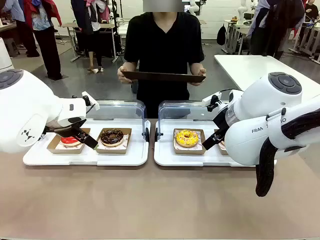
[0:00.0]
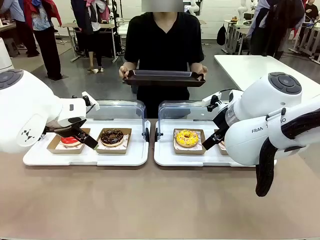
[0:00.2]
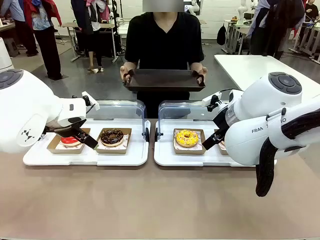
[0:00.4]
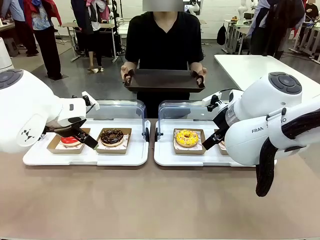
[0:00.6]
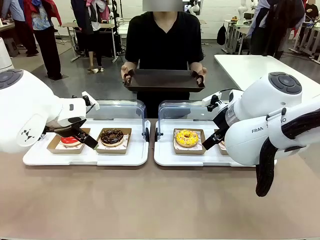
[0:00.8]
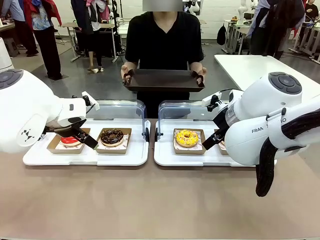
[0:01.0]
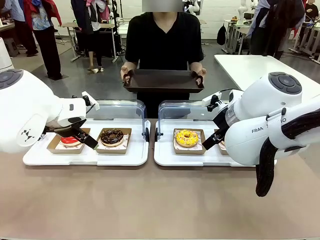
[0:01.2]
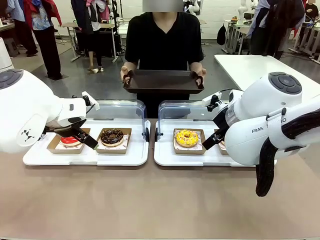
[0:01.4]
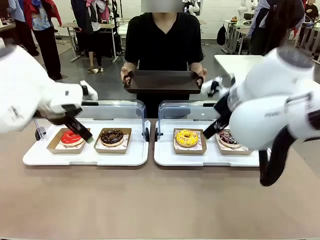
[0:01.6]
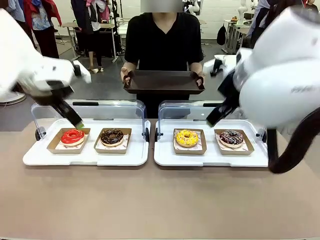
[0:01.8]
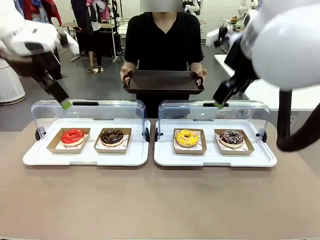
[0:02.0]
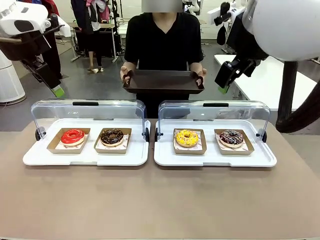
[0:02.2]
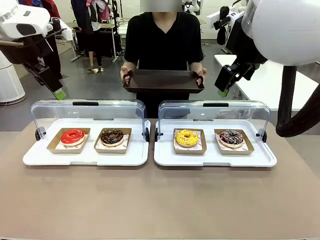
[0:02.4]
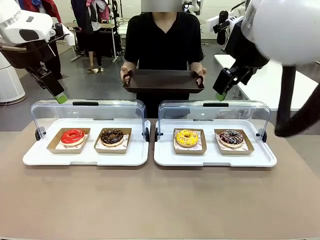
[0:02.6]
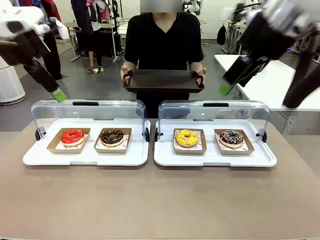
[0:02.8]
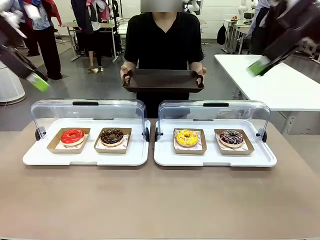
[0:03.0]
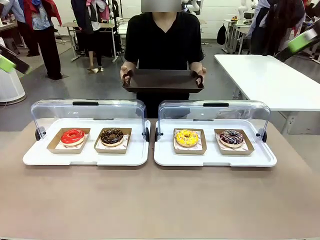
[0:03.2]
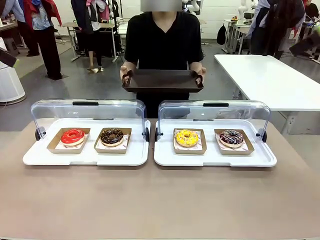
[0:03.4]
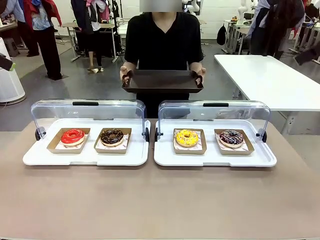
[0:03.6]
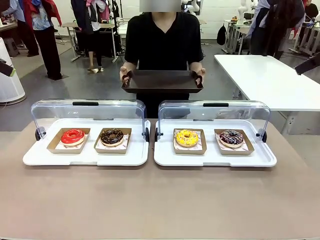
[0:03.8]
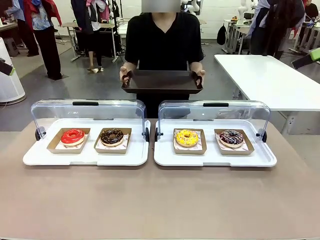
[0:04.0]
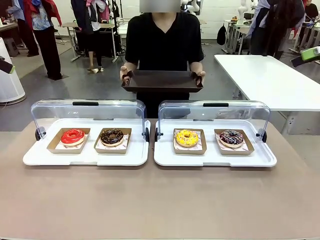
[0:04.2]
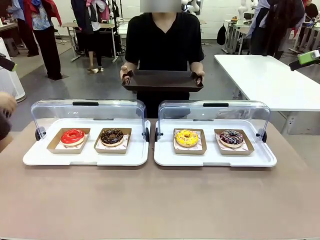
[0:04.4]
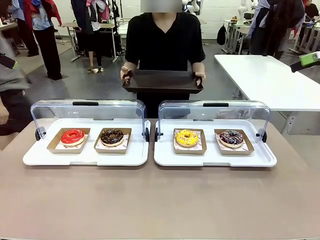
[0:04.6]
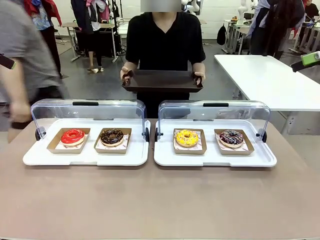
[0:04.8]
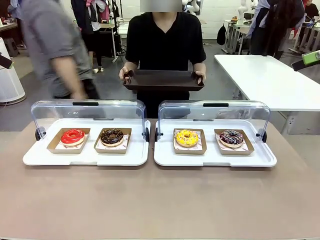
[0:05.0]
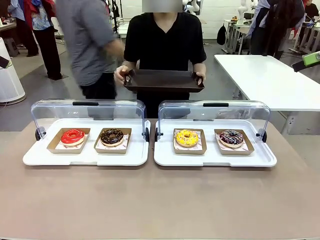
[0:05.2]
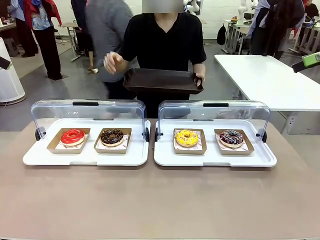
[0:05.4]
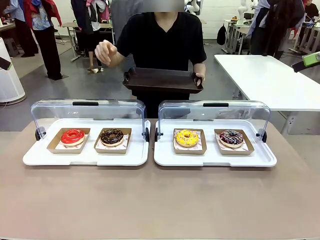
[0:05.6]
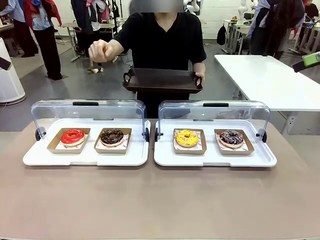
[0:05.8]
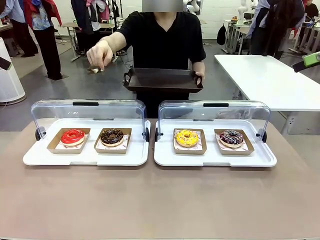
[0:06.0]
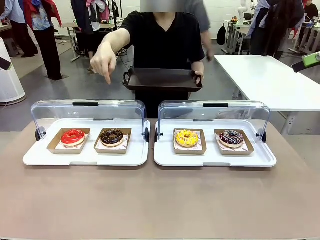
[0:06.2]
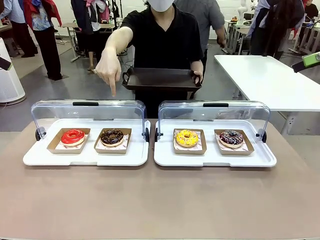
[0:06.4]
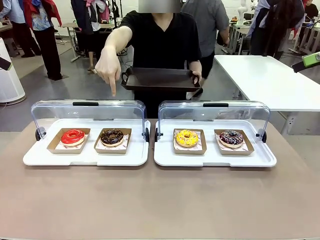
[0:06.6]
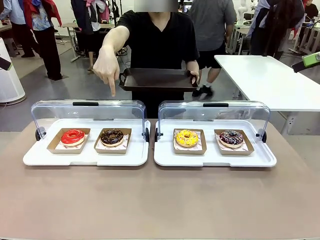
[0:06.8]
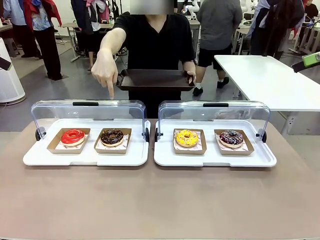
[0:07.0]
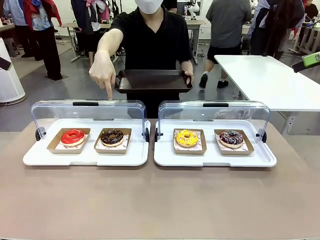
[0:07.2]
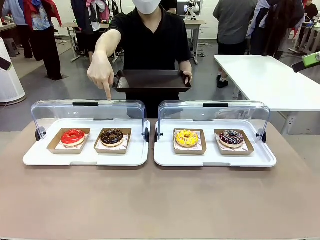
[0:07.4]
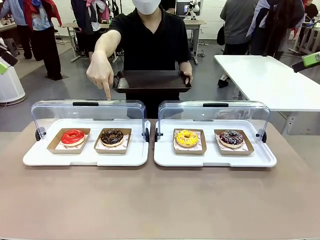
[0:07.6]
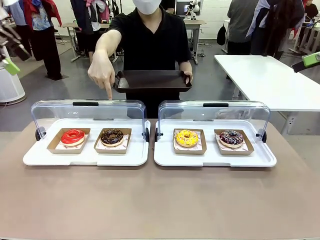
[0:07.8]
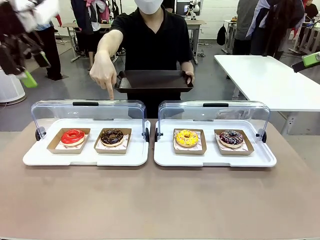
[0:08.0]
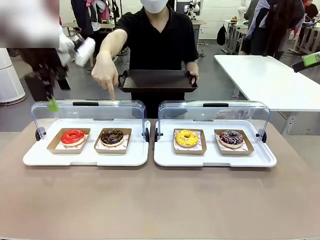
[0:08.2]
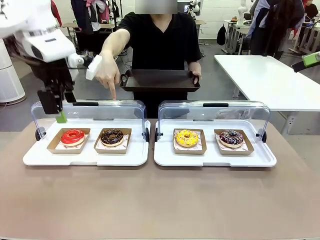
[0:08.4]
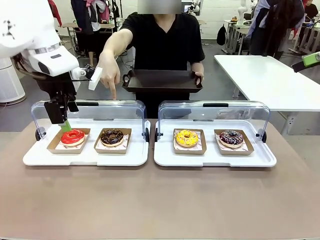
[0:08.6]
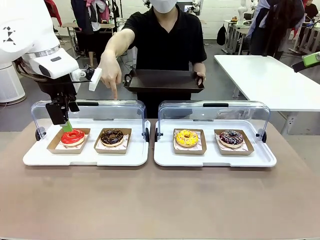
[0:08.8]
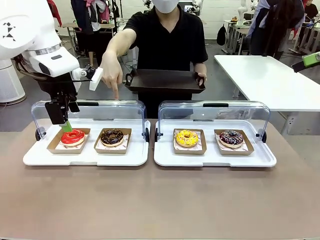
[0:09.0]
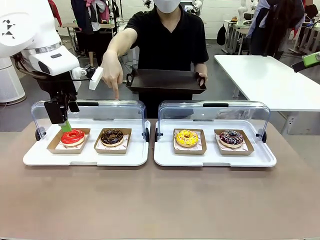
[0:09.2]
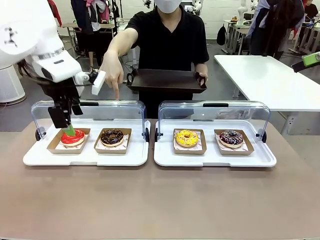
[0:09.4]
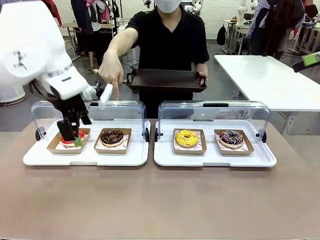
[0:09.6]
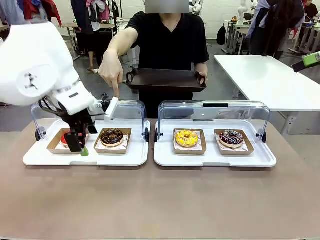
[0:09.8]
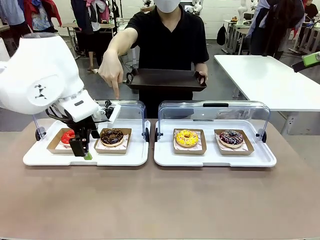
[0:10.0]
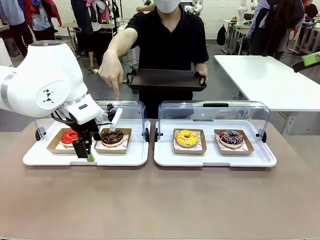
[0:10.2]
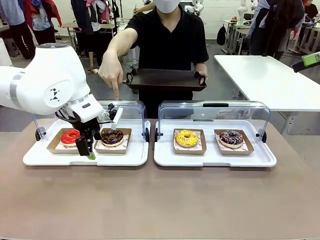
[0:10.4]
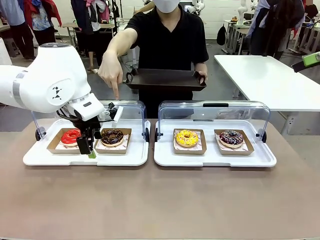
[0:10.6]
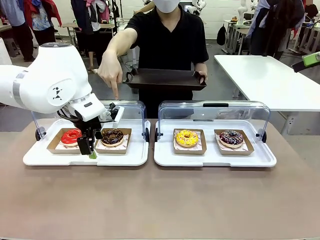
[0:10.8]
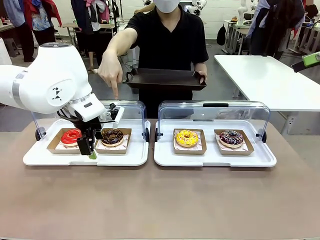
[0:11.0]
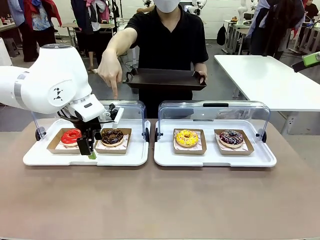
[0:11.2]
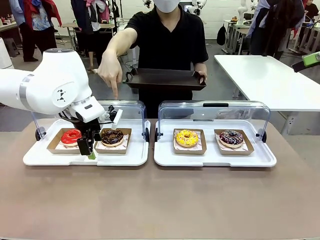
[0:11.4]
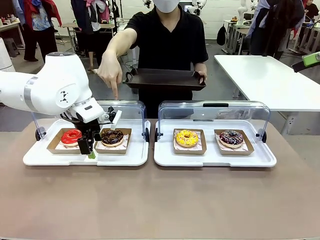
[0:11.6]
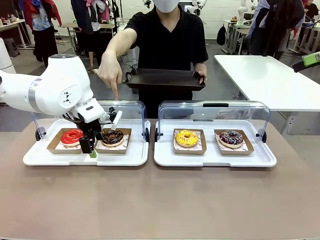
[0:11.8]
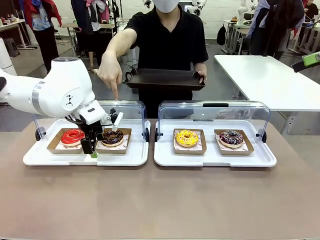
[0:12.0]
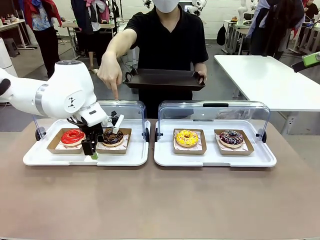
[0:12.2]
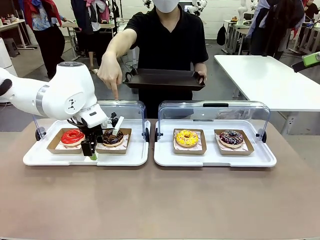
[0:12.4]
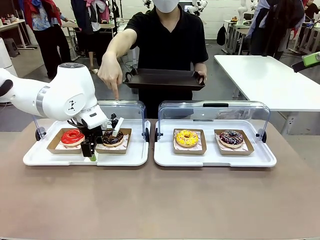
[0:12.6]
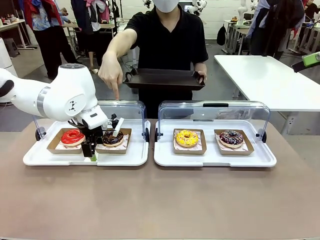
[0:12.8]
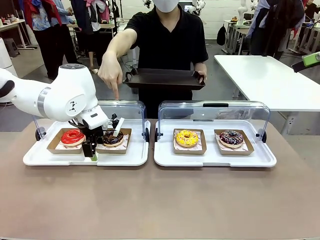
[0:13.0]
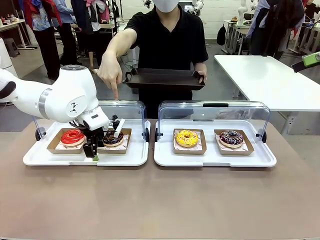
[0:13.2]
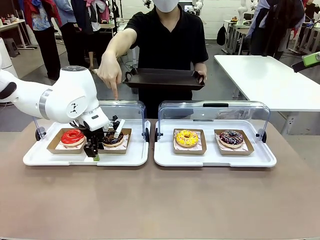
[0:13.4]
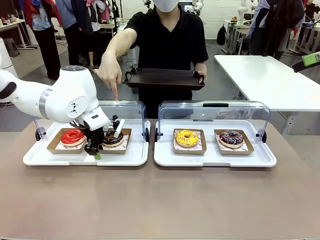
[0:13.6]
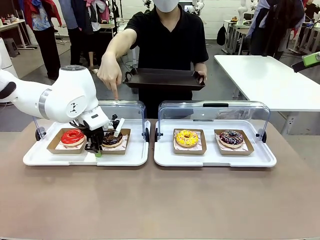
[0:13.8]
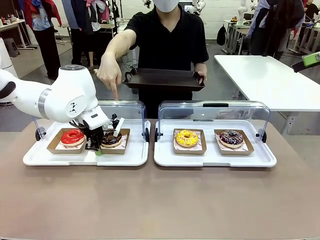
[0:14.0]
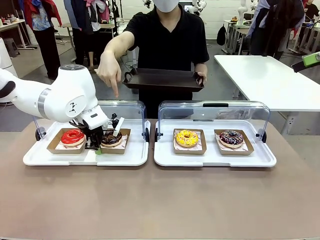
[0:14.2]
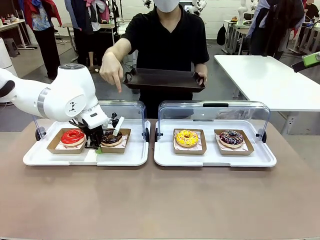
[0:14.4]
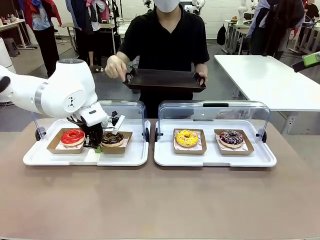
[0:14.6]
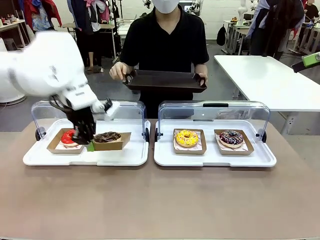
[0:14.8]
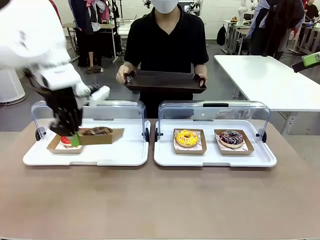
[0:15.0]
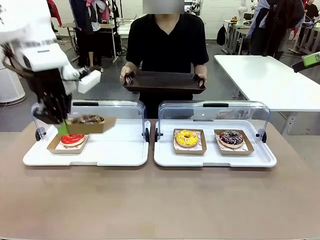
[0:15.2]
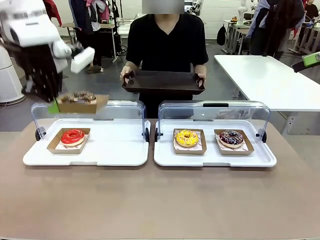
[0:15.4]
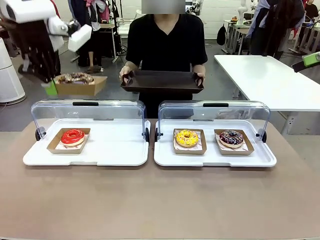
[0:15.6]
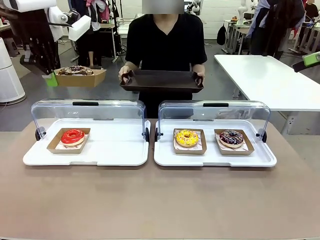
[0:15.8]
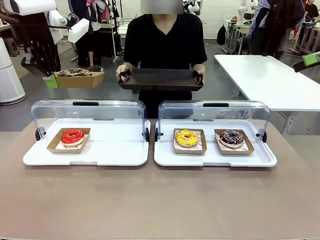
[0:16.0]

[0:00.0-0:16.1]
Task: Provide the desired donut to the person.
Robot: Pick up and lift the Paper togo box containing the Donut pointed at by the person.
Person: Point to one donut. Lift the tray onto the Roll-Top Bakery Case.

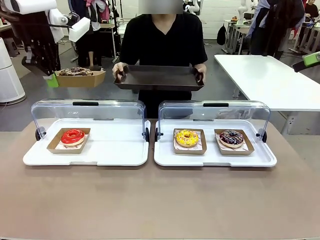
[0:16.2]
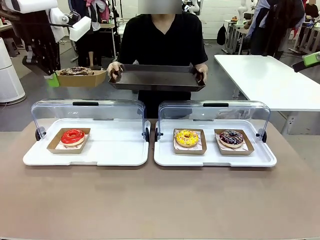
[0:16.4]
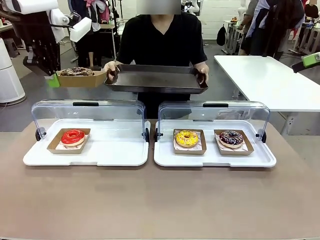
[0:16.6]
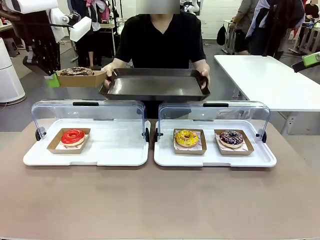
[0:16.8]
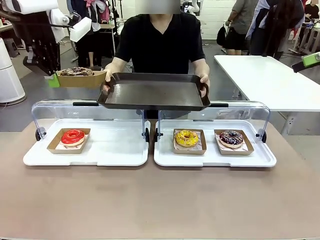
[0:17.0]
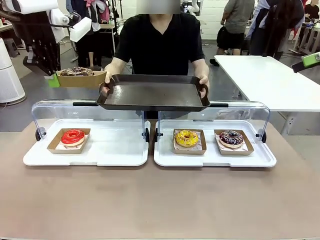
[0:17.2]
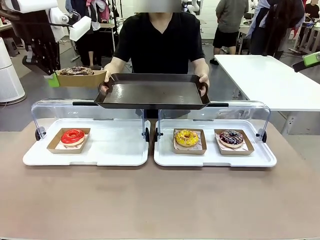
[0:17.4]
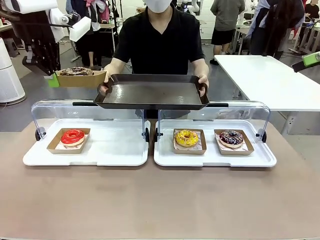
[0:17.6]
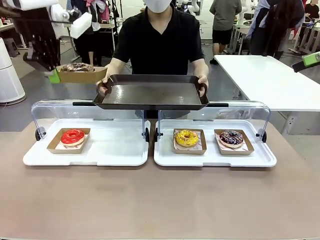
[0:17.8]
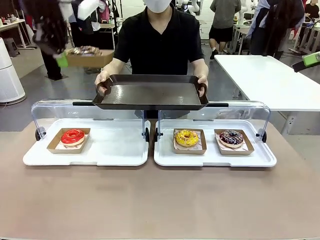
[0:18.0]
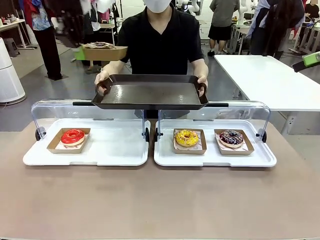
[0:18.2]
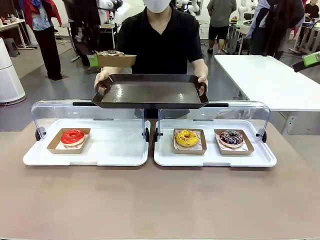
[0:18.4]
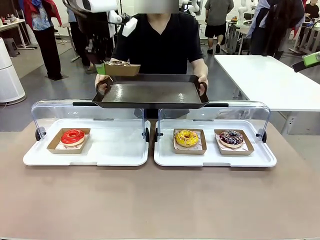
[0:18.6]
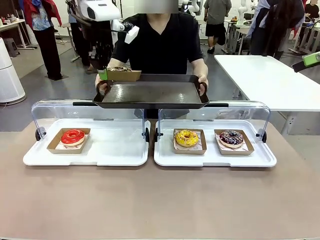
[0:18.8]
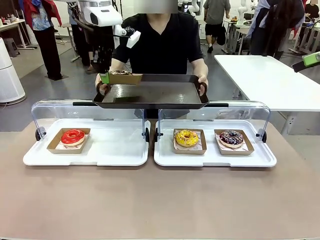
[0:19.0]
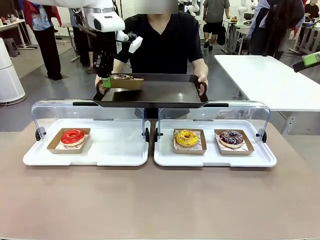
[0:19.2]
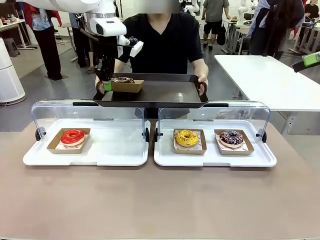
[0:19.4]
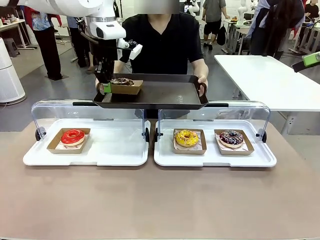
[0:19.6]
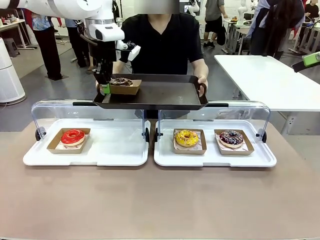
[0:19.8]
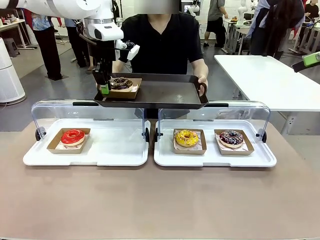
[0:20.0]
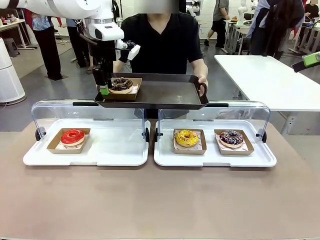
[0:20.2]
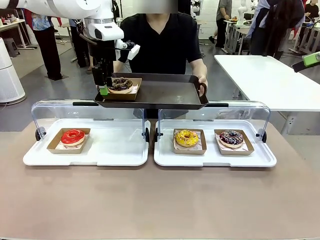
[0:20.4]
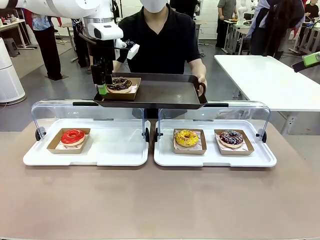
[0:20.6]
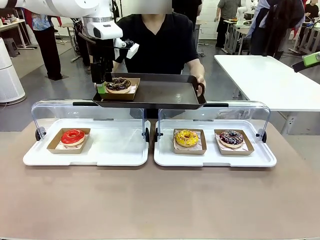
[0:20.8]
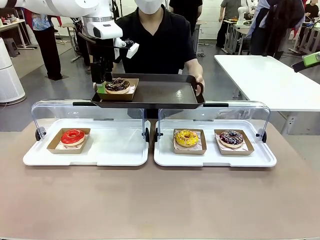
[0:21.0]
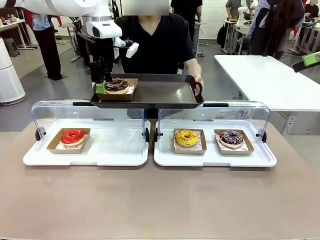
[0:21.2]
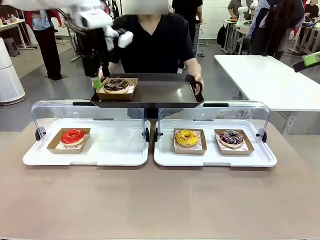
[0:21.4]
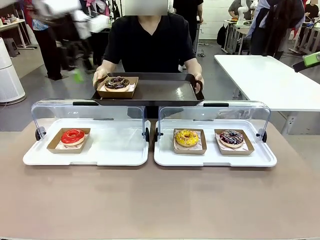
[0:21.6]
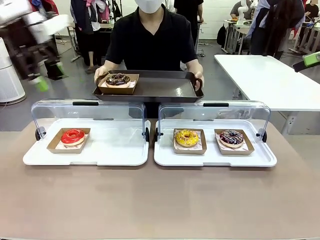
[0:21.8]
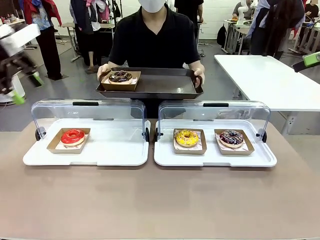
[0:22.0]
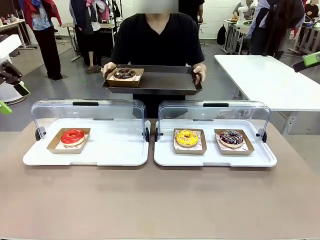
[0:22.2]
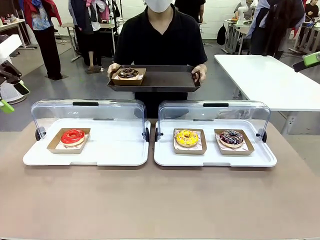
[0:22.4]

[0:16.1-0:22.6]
Robot: Place the picked Paper togo box onto the Handle tray extended by the person.
